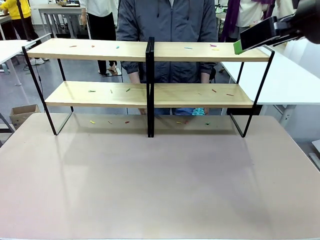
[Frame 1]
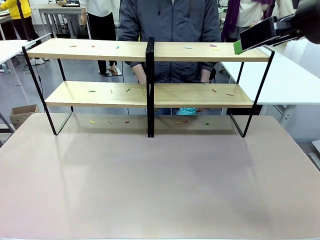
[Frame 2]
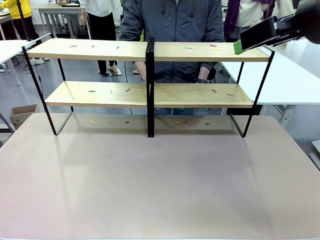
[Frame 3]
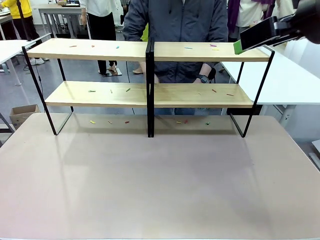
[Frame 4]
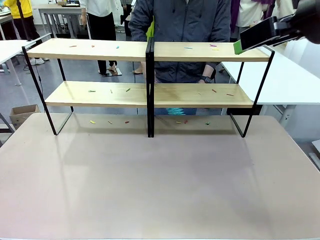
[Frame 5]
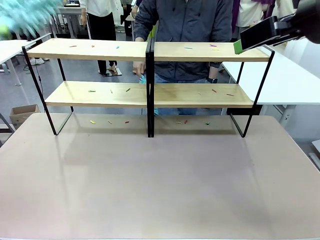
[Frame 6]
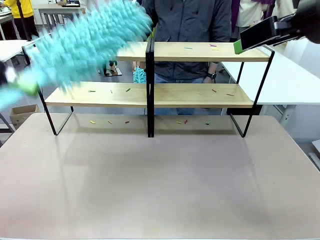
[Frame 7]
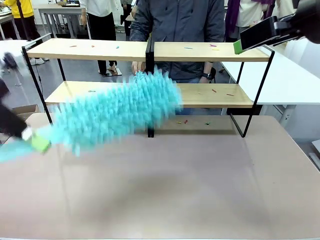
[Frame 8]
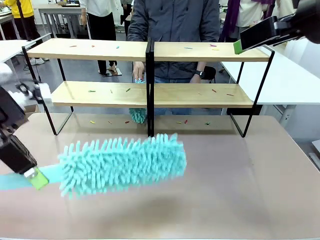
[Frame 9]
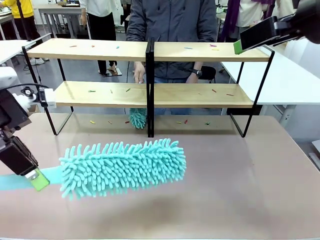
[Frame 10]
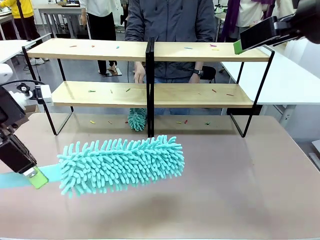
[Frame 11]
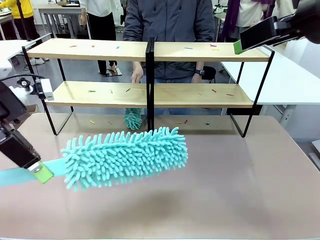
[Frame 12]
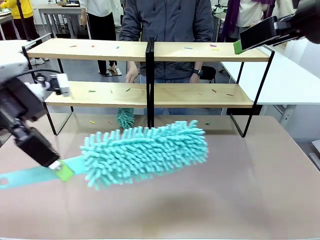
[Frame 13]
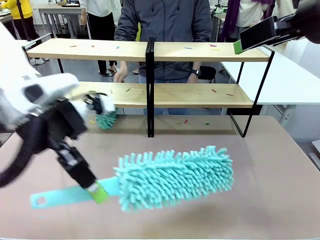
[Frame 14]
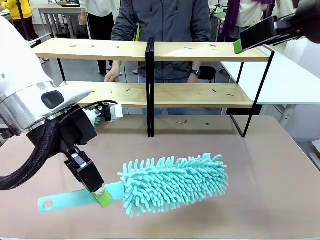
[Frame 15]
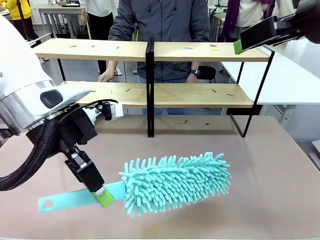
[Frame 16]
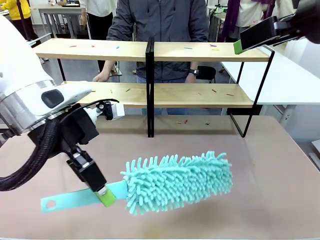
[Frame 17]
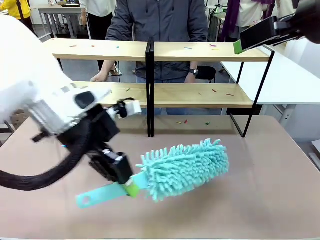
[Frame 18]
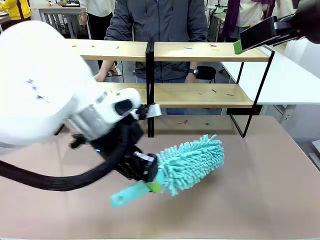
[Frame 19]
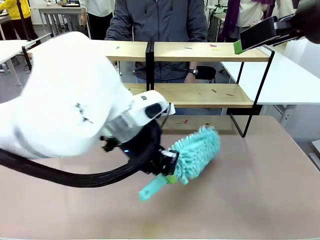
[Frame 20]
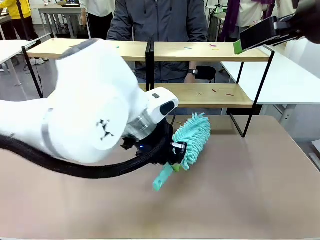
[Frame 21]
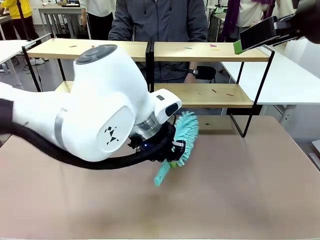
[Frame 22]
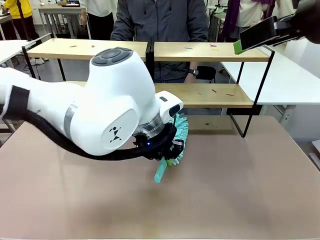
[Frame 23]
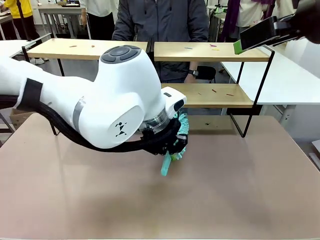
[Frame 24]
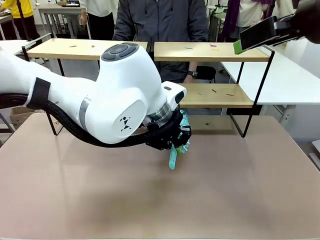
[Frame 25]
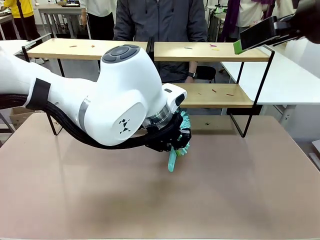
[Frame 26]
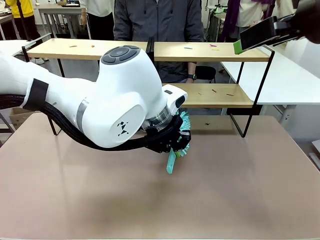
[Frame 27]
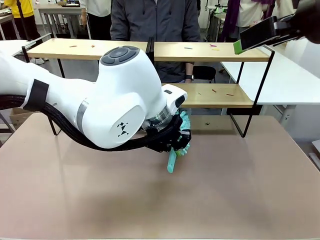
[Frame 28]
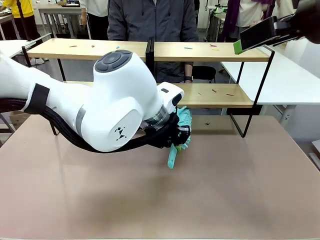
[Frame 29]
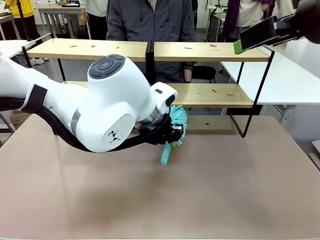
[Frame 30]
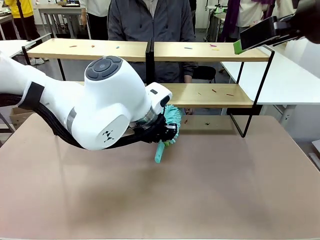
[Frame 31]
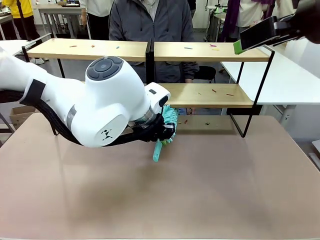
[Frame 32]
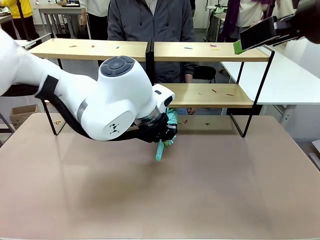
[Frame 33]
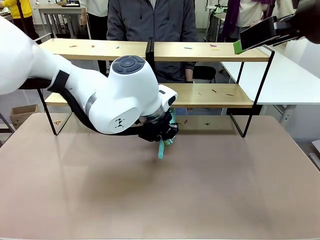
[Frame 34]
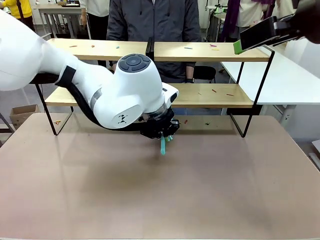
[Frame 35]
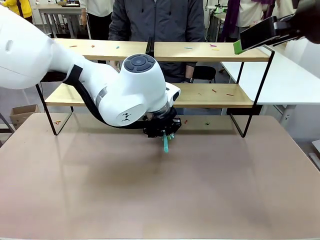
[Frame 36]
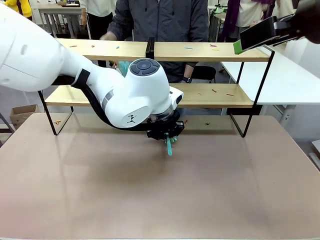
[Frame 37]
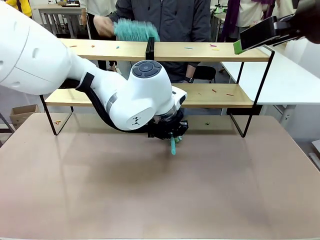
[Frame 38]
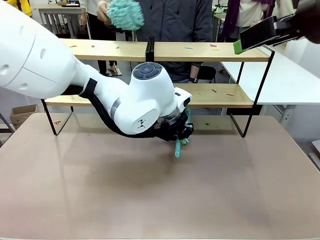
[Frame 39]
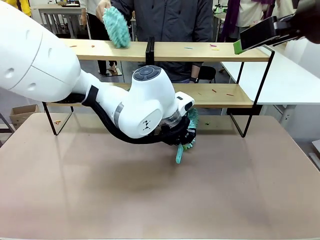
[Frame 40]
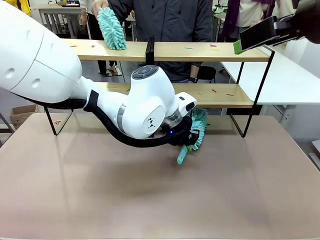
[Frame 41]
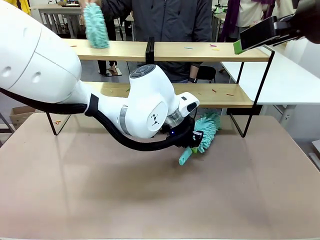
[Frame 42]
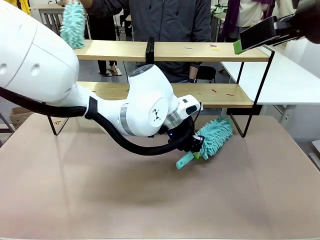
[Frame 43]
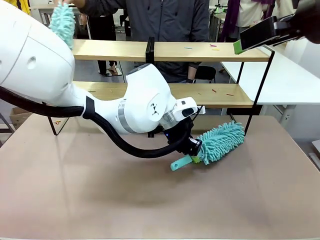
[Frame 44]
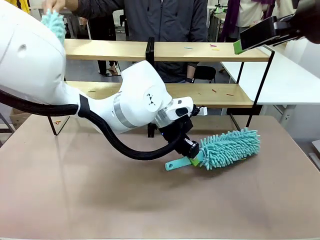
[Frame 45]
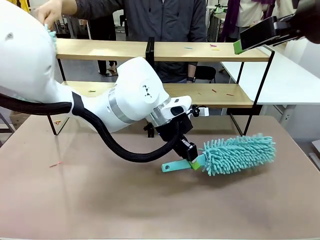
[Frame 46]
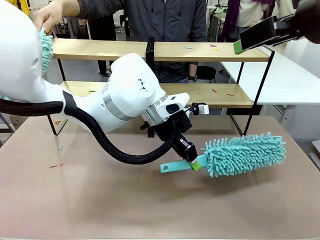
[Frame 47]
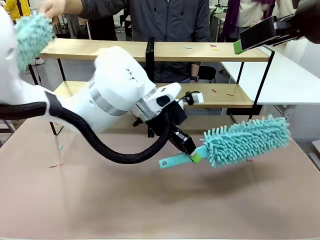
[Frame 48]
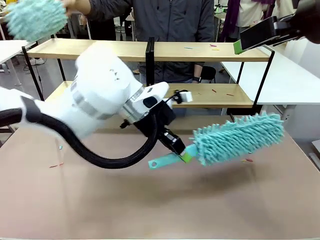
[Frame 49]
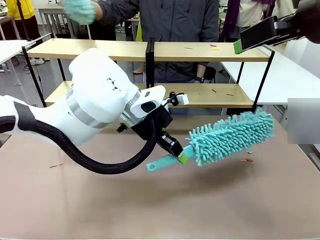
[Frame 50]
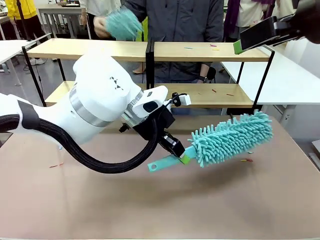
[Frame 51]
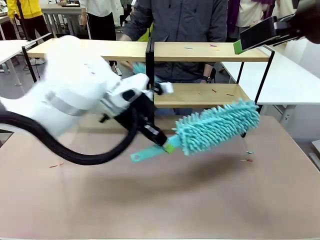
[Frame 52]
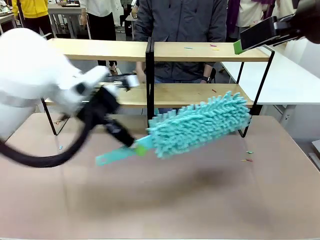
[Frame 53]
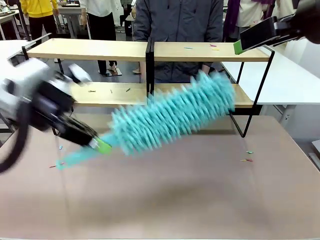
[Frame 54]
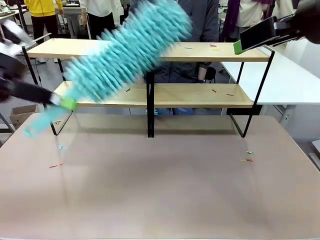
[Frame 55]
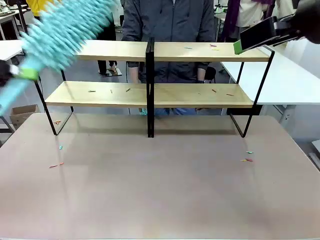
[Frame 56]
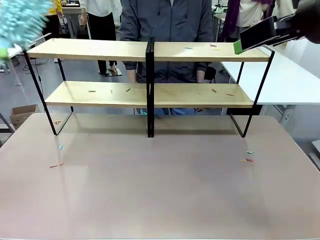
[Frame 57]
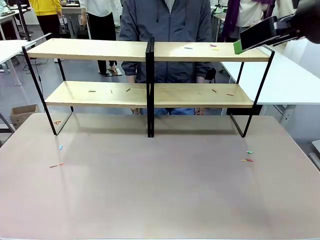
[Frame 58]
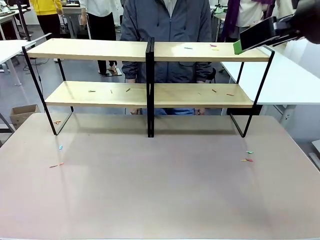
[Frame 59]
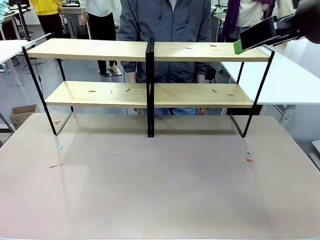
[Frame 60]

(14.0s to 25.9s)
Task: Clean the shelves.
Robot: Clean a randomly selected level of the Shelf with the Duster.

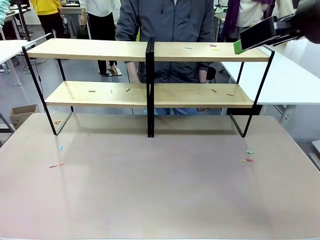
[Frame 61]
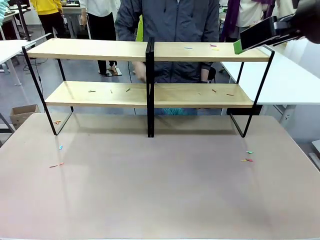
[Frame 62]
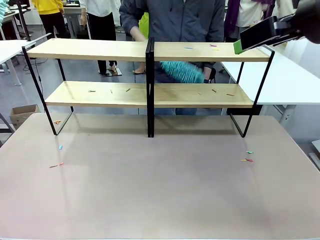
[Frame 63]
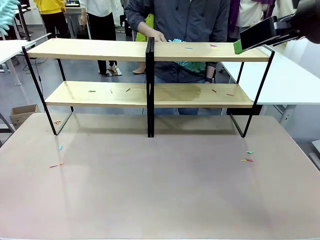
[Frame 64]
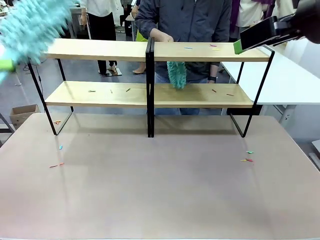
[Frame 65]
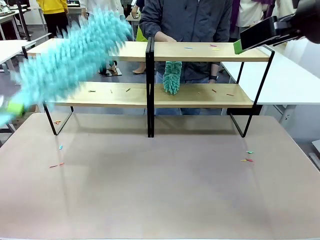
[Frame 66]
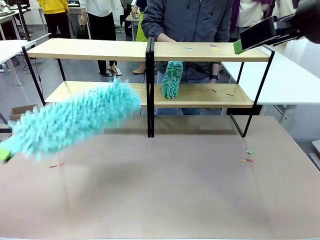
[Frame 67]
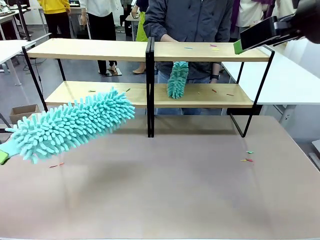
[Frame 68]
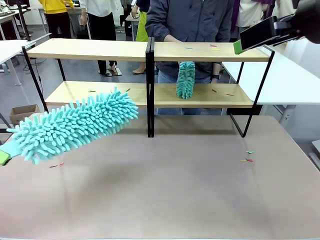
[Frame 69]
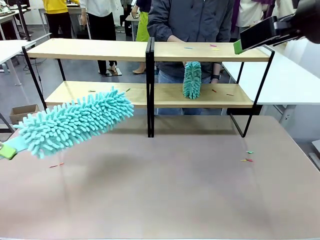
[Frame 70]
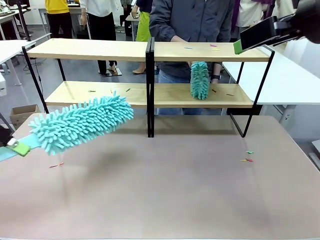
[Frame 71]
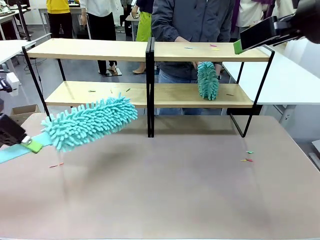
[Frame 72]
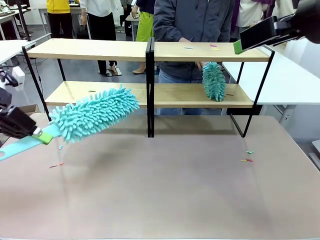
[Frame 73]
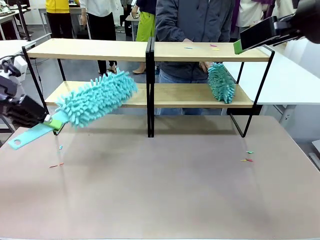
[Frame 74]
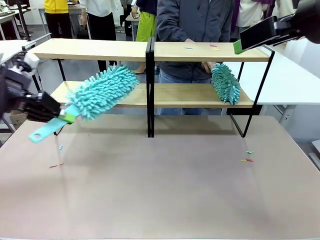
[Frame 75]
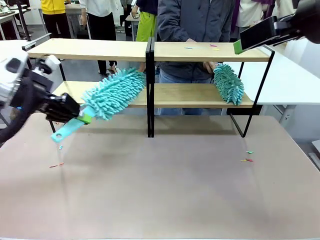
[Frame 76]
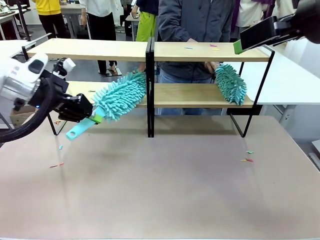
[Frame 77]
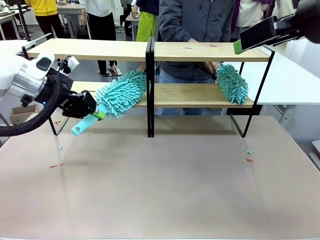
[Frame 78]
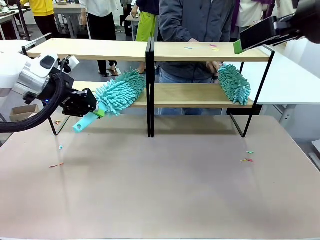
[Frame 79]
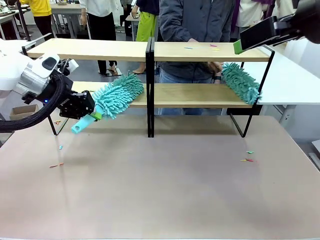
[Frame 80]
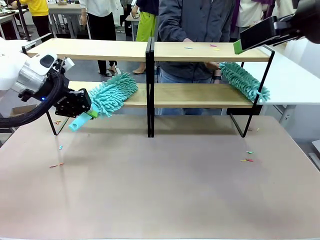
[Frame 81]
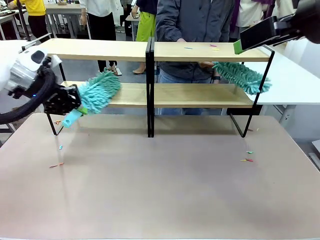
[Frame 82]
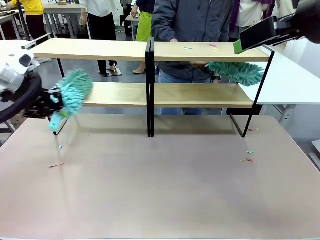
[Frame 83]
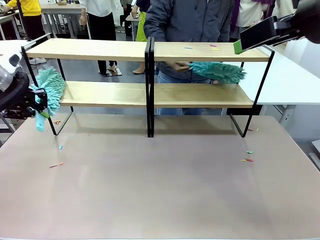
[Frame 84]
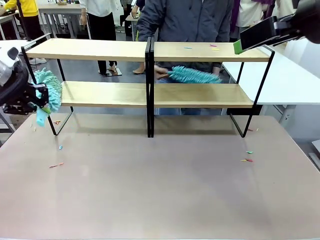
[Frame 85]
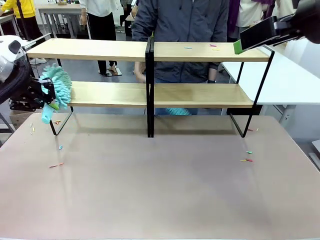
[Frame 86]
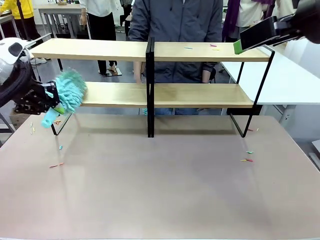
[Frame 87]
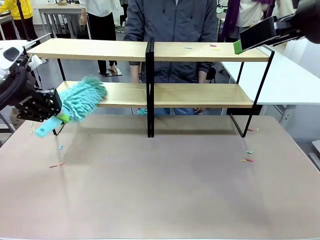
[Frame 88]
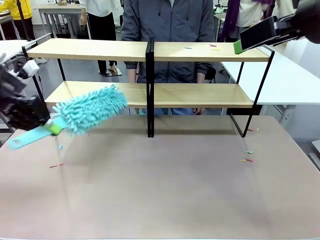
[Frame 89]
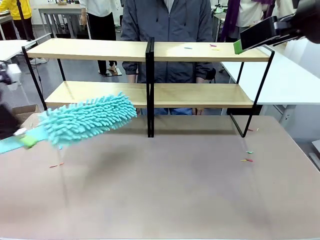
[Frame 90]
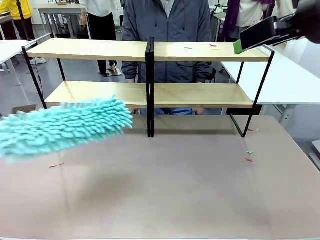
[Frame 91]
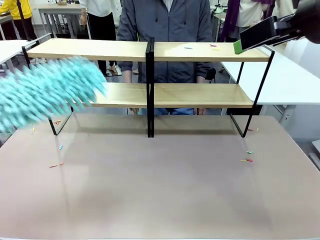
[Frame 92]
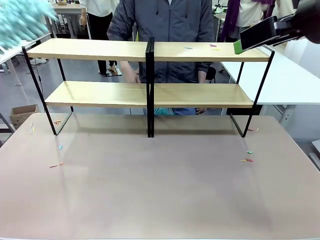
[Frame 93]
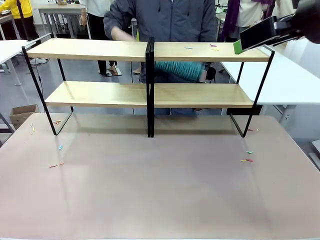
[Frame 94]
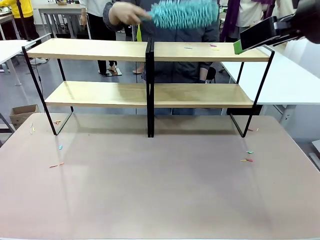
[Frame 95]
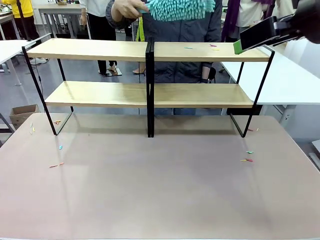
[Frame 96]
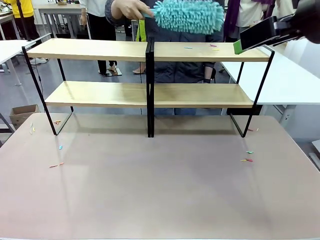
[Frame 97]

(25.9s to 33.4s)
Robot: Clean another randomly selected level of the Shelf with the Duster.

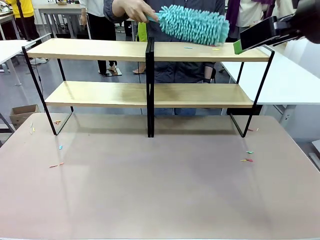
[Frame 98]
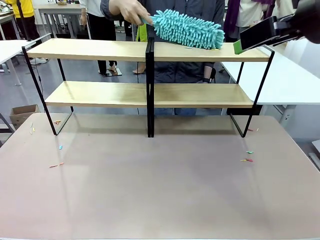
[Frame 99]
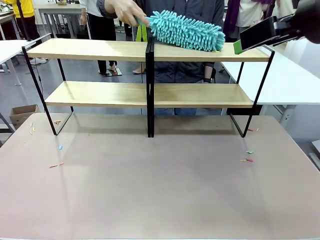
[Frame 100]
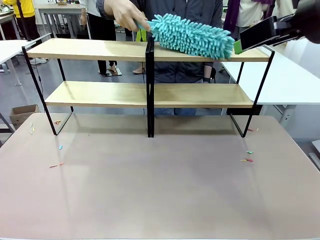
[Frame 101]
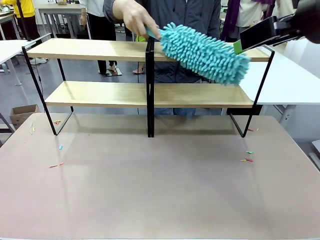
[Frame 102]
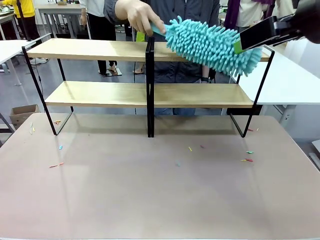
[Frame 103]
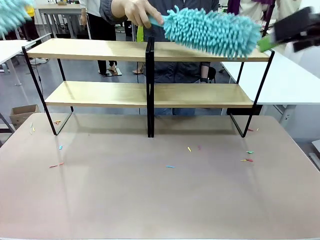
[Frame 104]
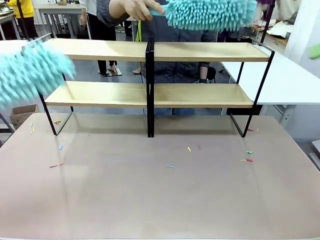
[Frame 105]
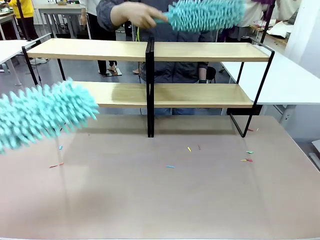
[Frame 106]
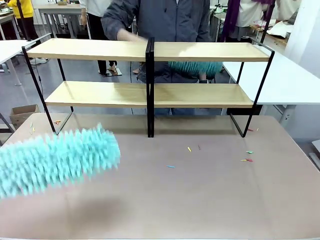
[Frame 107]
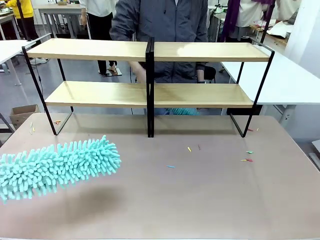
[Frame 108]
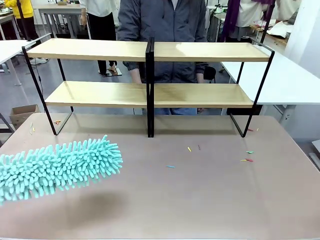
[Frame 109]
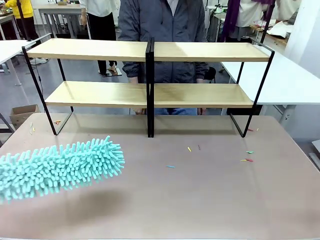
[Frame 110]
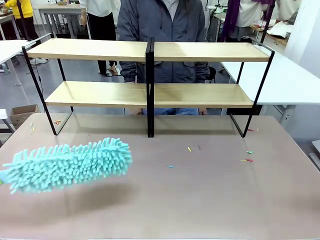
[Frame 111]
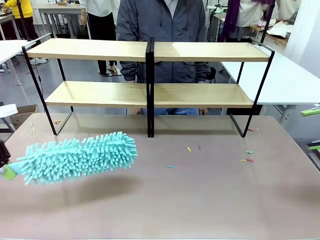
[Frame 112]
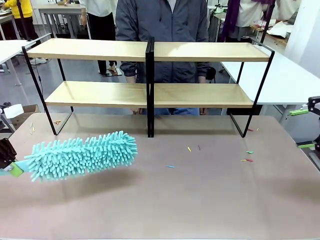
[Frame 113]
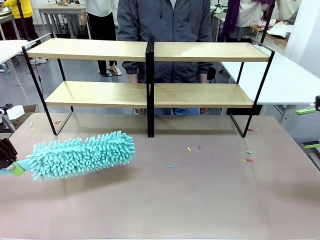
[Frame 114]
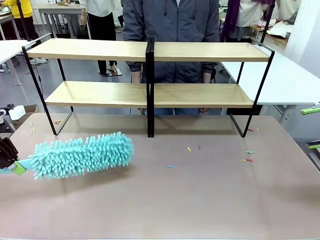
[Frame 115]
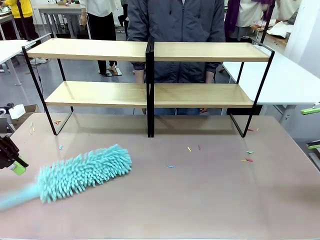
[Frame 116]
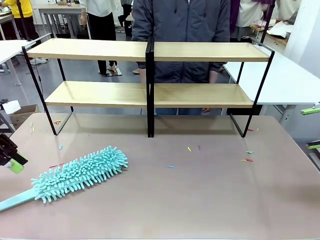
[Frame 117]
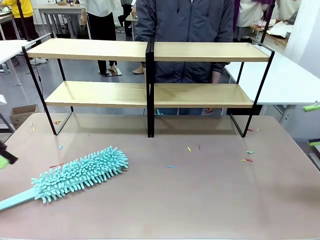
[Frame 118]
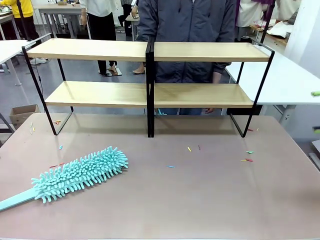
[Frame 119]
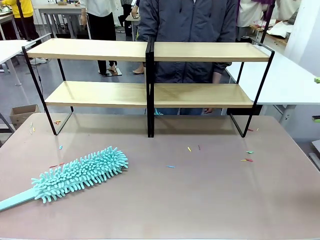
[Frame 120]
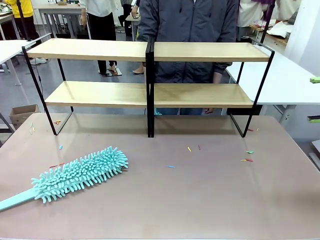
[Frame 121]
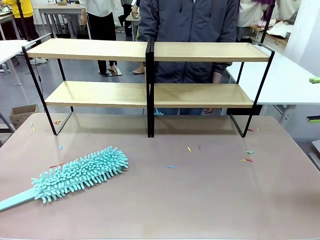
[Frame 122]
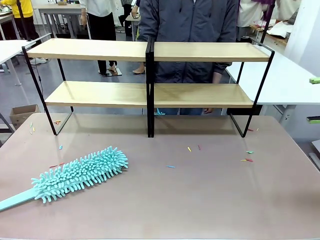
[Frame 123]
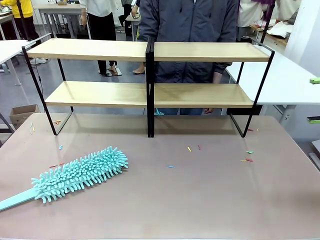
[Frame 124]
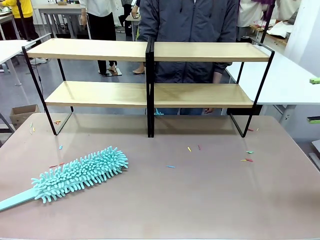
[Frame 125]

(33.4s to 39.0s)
Robot: Place the Duster on the table.
